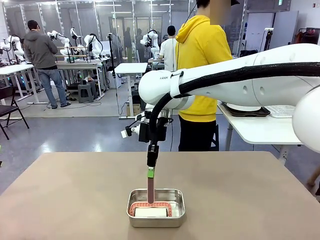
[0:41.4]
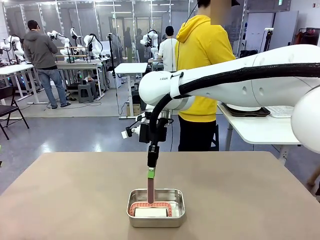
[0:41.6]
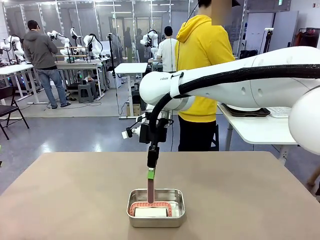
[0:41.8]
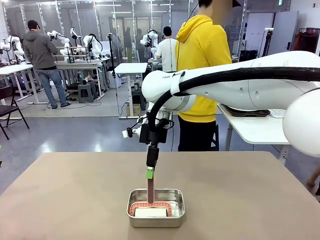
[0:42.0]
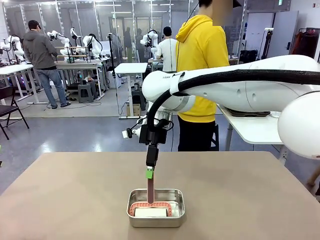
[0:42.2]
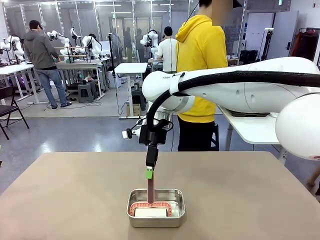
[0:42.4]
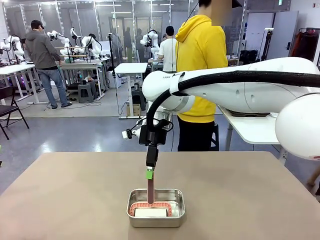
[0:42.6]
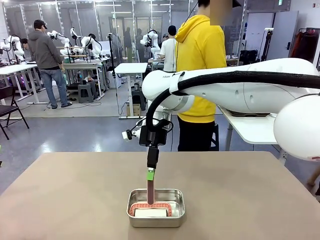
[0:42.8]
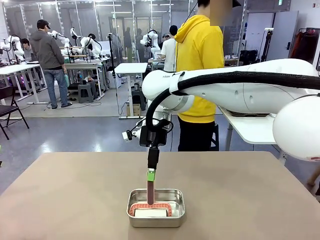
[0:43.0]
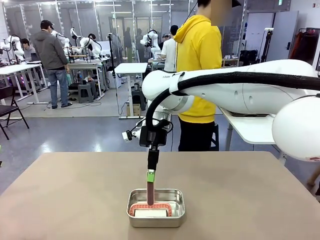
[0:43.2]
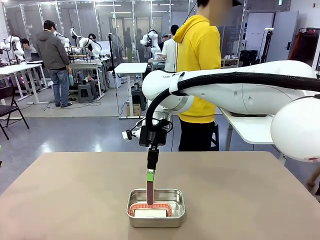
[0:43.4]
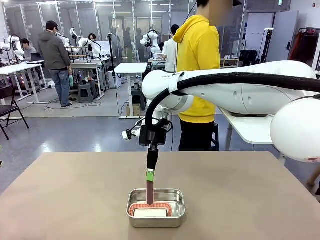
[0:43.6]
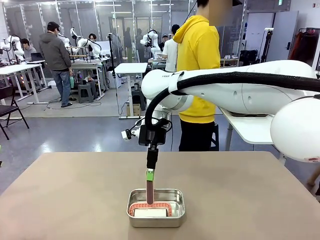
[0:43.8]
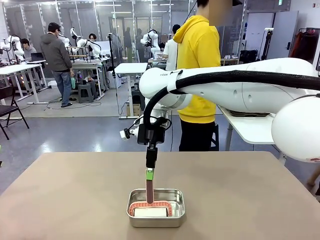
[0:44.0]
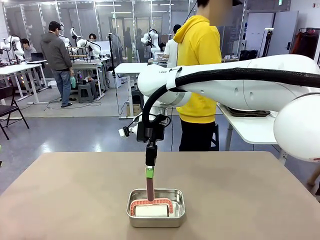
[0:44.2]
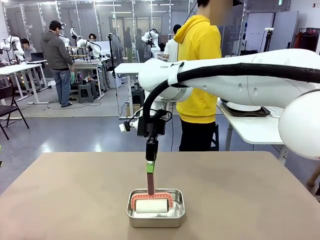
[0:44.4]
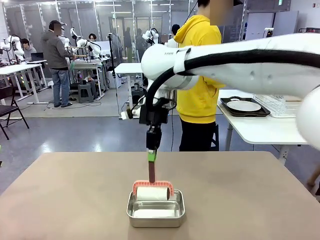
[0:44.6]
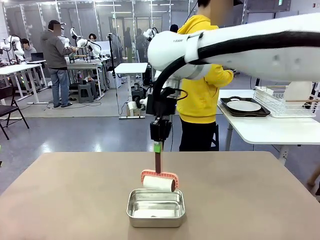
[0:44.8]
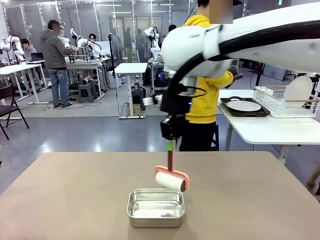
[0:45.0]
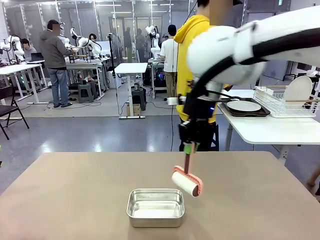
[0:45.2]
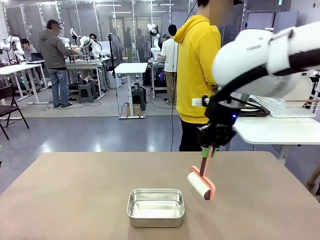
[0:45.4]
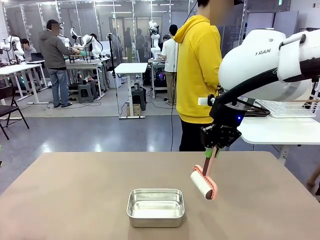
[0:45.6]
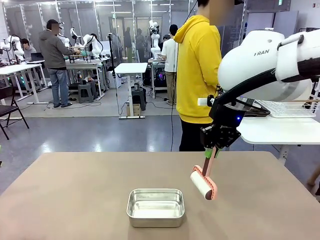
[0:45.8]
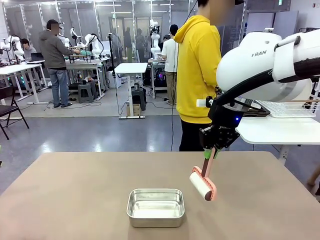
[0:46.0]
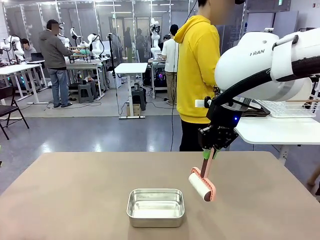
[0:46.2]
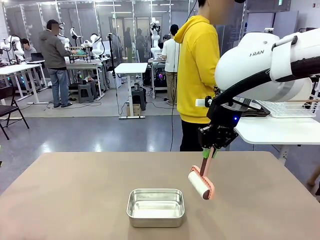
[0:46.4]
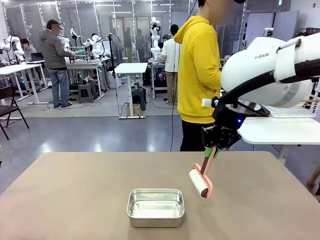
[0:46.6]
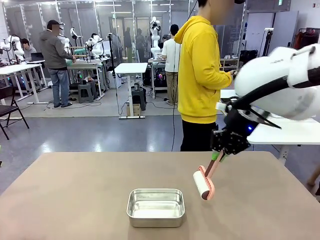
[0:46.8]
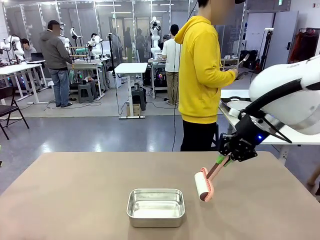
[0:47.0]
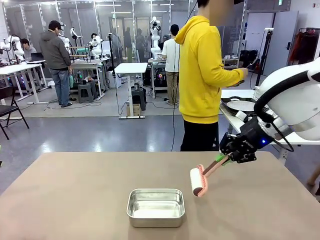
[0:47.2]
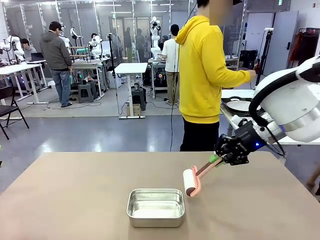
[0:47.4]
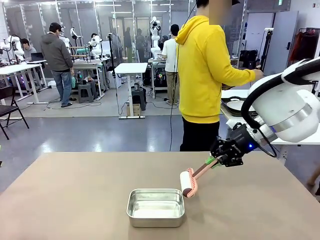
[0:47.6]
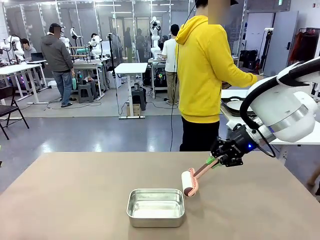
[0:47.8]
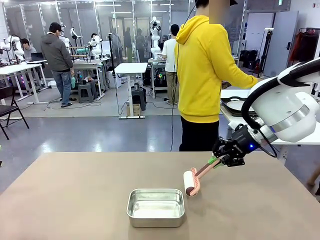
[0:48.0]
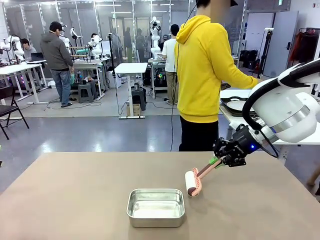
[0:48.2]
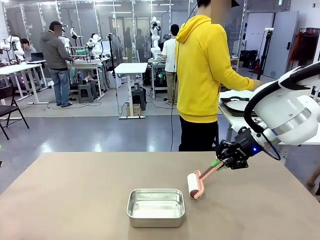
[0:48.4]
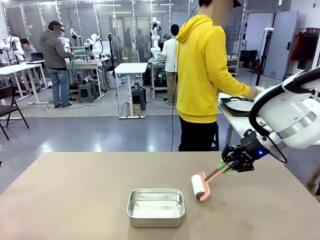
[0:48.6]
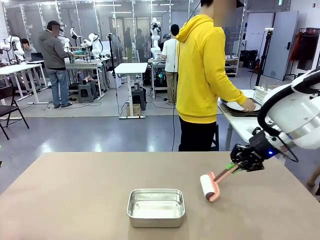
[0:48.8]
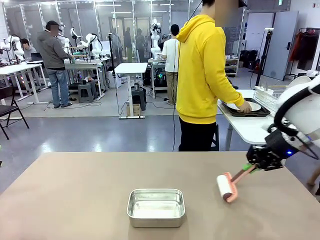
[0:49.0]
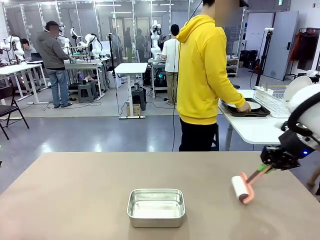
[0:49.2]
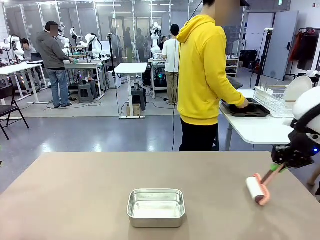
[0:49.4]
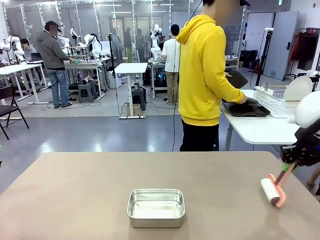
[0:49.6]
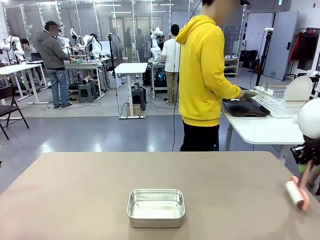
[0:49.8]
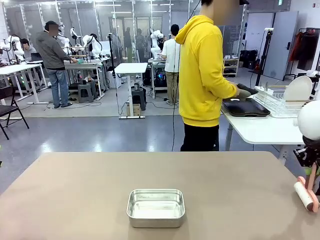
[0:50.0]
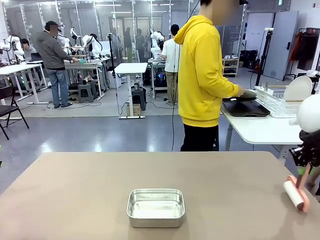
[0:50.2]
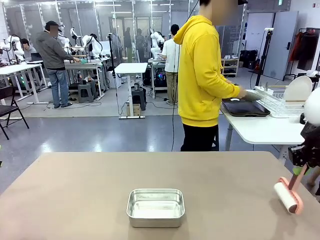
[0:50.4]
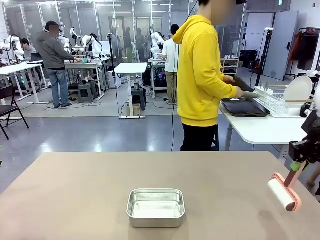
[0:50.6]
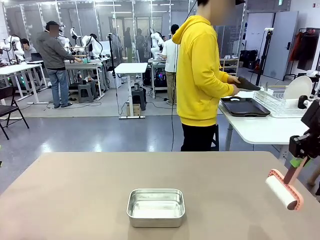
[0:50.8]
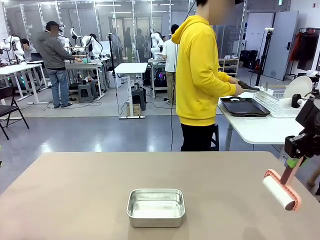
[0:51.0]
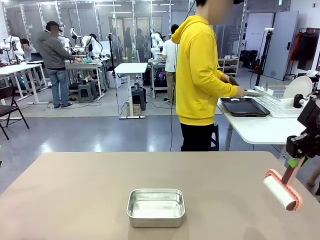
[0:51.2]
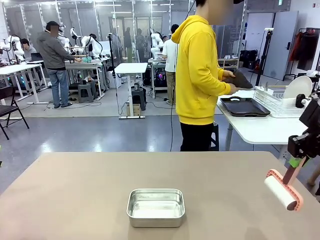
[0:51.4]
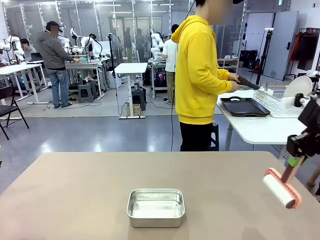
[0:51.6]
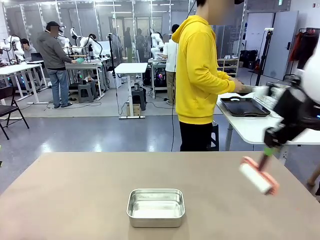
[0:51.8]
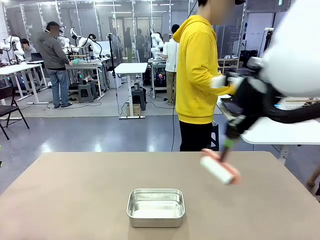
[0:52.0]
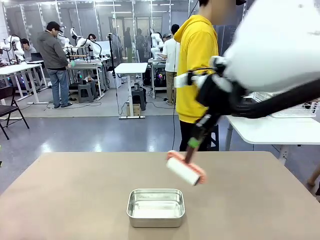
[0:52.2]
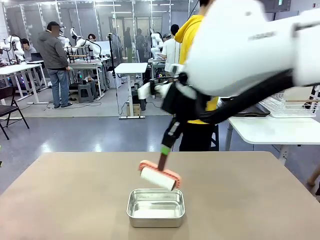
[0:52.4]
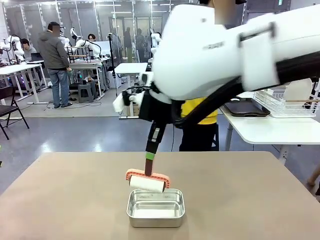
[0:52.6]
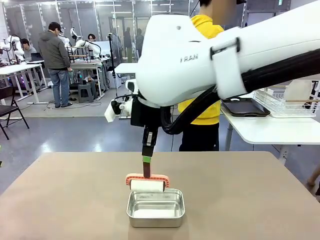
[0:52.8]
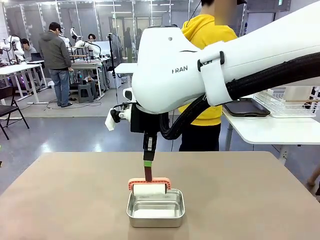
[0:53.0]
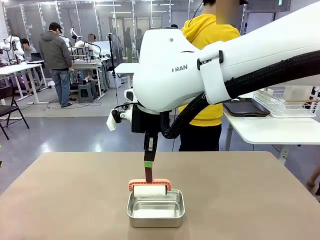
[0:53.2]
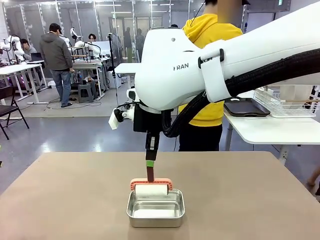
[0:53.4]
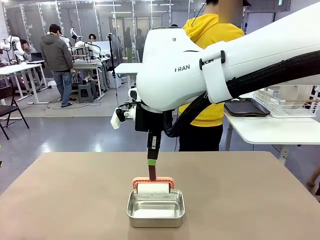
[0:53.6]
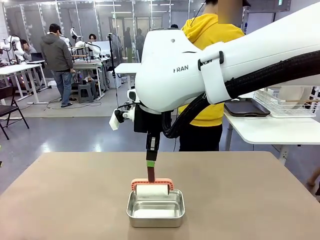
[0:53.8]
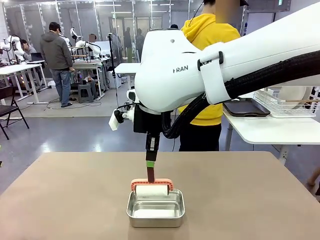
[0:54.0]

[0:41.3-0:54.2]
Robot: When the right (or left) Handle tray is removed, use the right hand (or left hand) to clean the right (or left) side of the table with the Lint Roller.

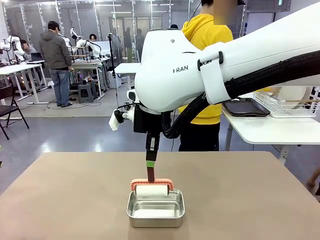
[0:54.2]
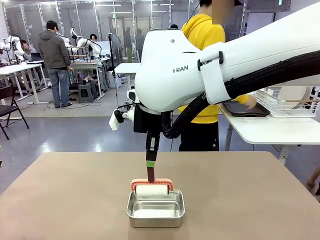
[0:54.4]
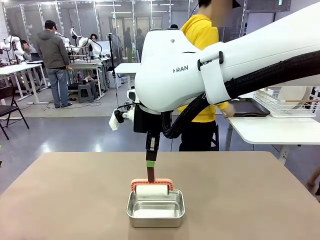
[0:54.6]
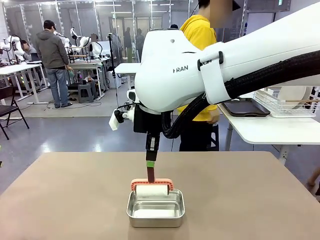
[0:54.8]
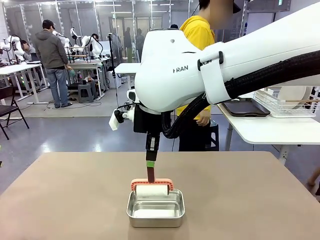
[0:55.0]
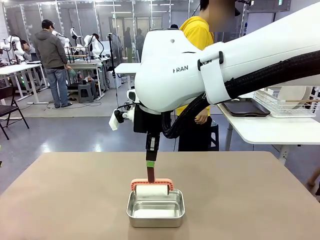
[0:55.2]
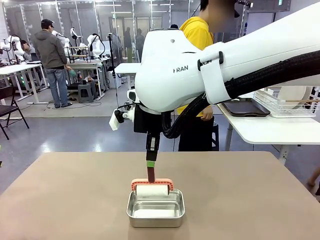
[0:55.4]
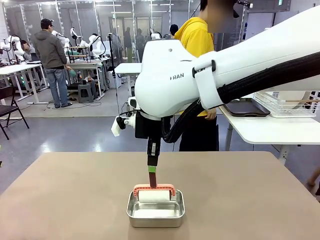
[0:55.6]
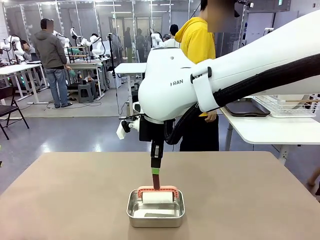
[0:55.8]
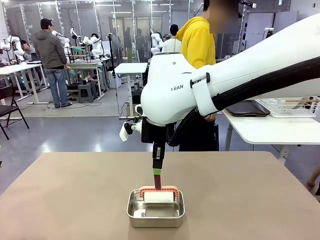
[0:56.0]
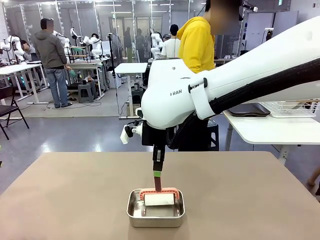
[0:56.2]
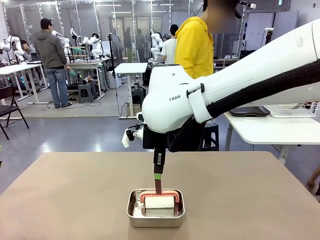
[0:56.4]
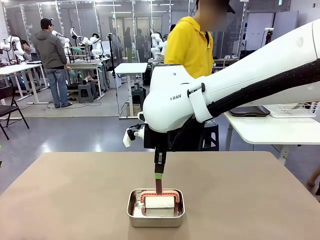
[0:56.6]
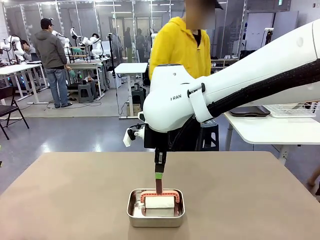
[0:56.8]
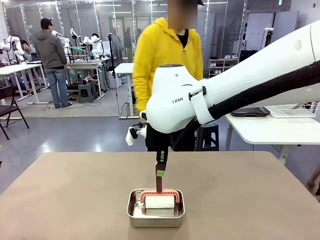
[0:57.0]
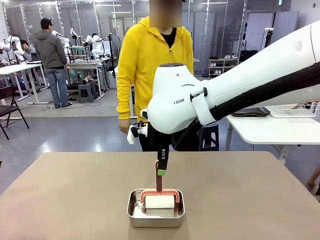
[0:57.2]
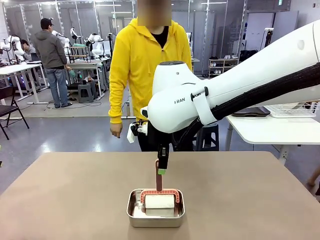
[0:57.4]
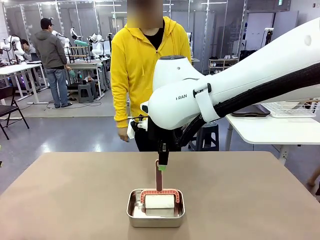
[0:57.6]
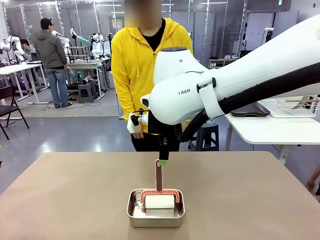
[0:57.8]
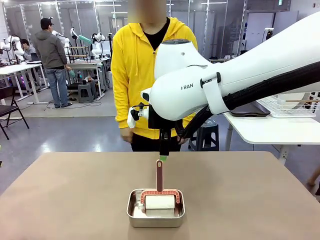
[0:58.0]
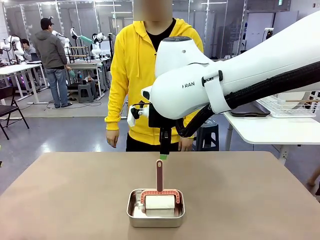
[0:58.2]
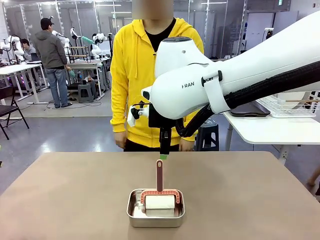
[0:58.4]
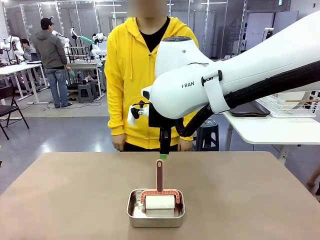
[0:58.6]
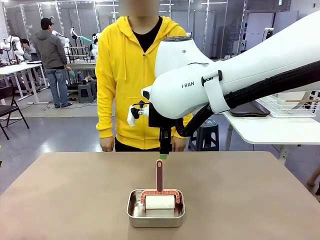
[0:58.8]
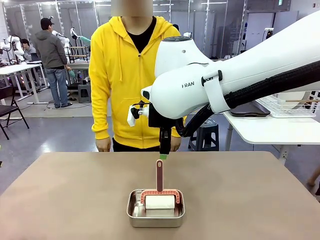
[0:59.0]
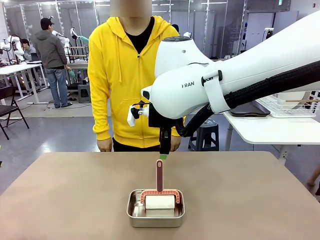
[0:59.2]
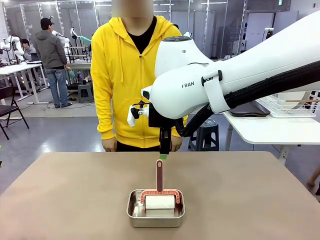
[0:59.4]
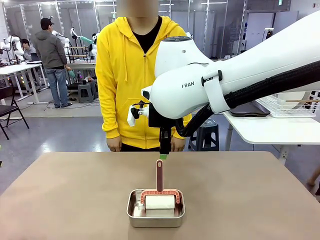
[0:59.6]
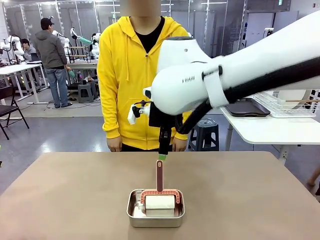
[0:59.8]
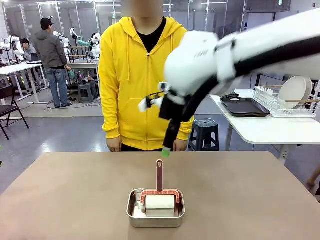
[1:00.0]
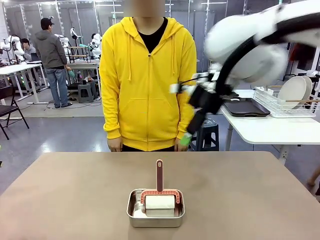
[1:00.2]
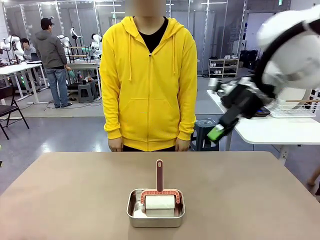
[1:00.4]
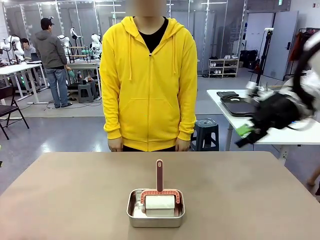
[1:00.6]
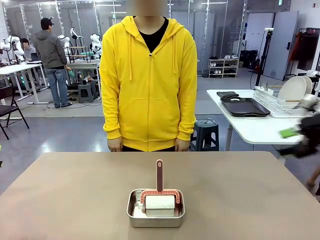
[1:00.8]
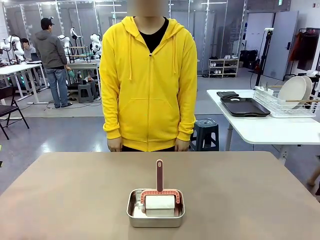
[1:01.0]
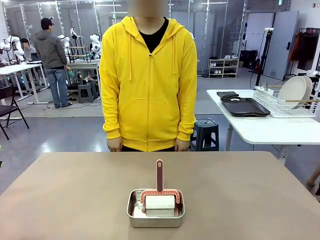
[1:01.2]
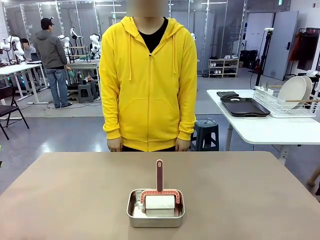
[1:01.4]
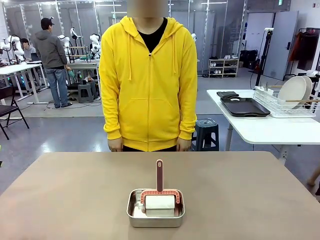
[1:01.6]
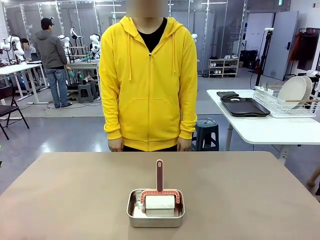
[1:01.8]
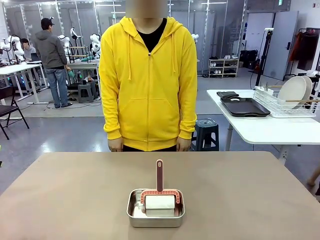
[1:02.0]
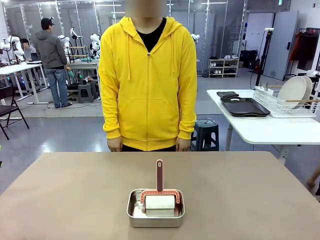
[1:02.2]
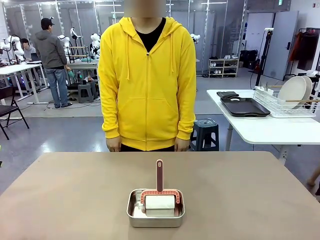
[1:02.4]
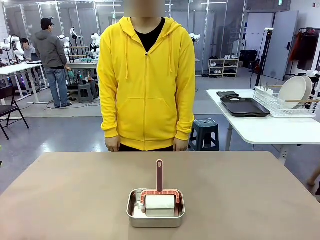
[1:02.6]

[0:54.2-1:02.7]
Robot: Place the Lint Roller back on top of the Airtight Container.
